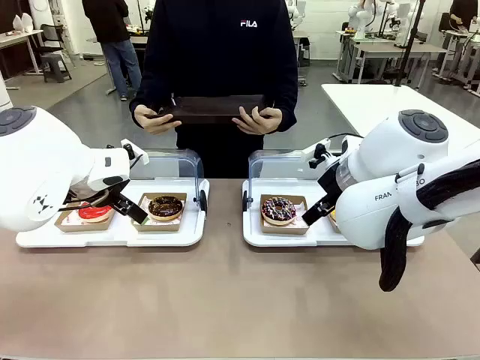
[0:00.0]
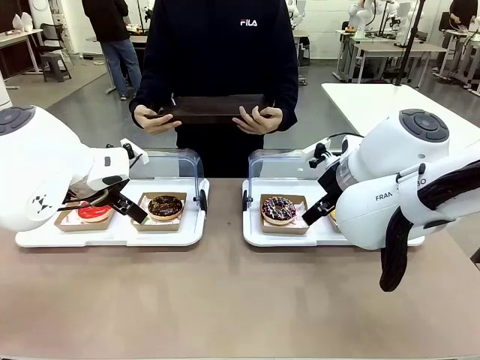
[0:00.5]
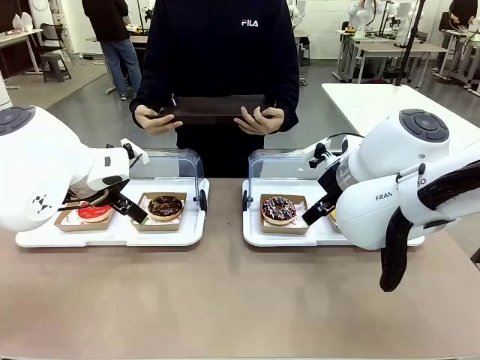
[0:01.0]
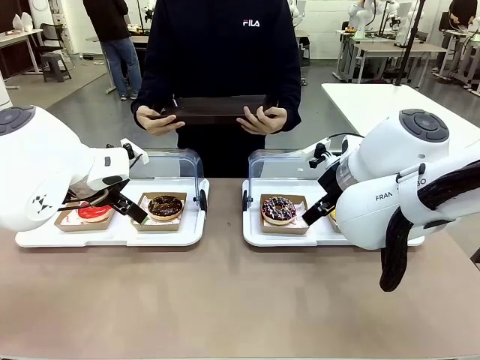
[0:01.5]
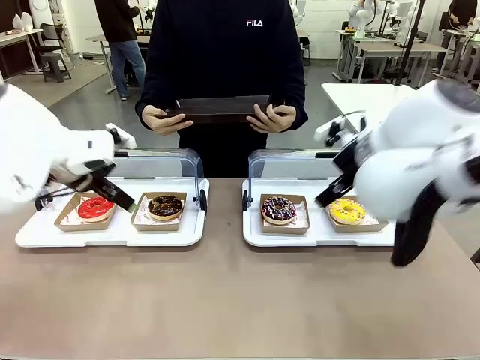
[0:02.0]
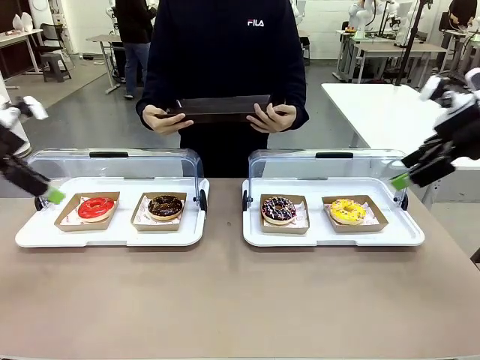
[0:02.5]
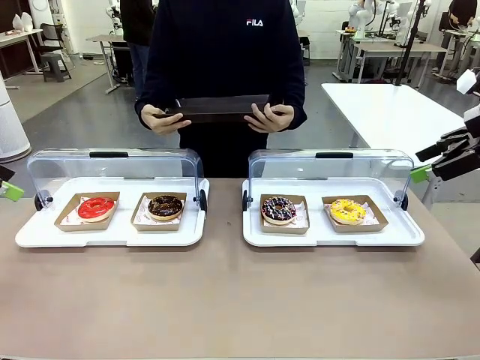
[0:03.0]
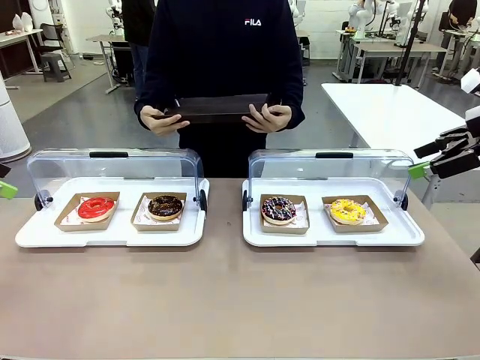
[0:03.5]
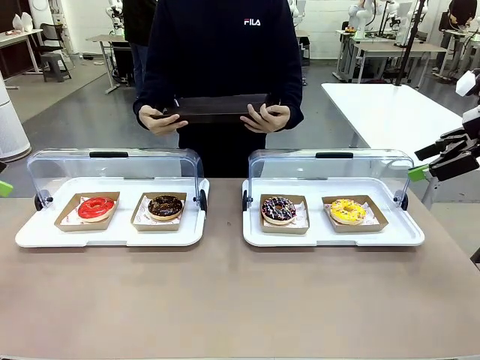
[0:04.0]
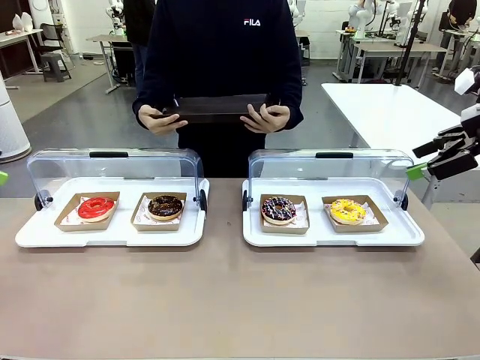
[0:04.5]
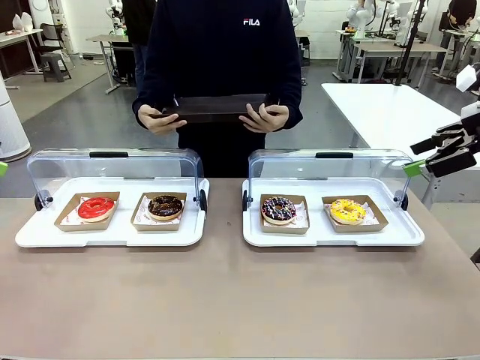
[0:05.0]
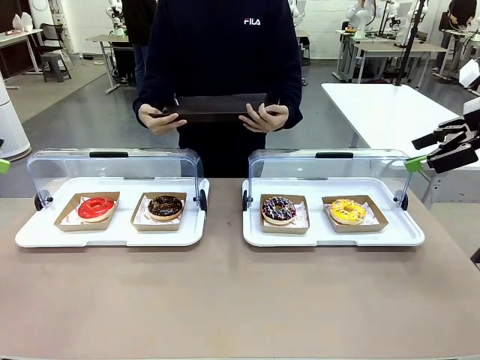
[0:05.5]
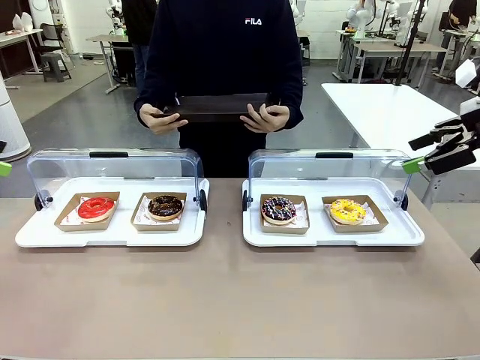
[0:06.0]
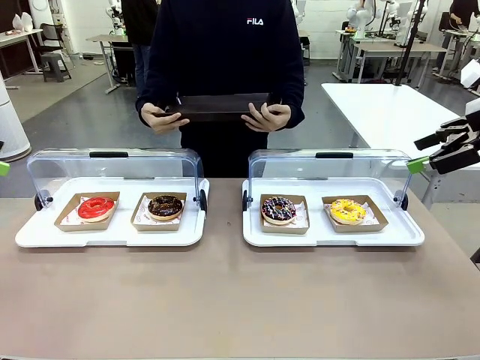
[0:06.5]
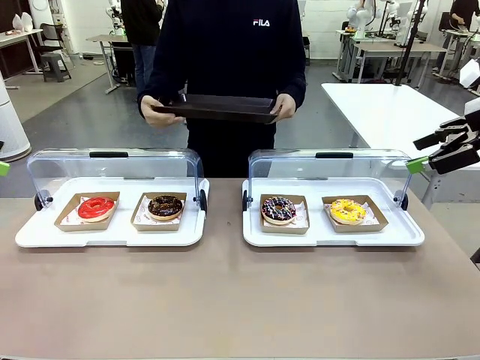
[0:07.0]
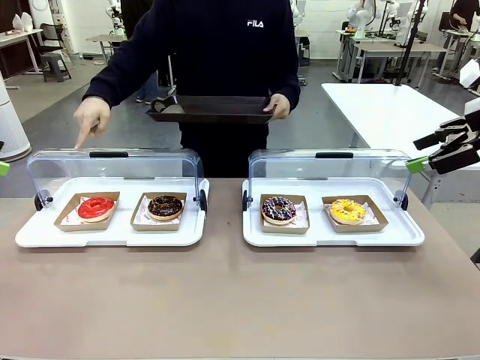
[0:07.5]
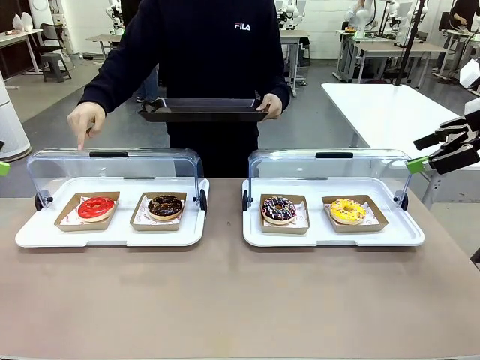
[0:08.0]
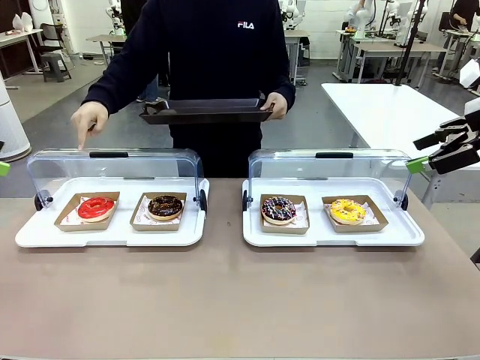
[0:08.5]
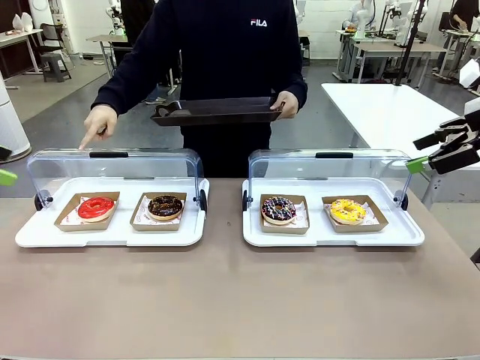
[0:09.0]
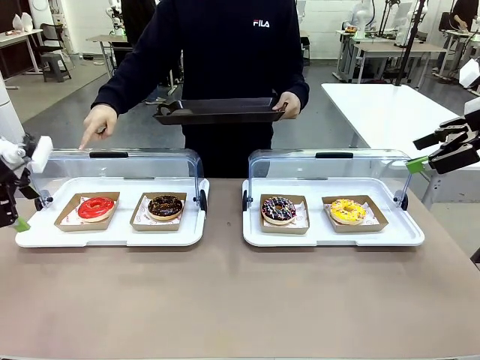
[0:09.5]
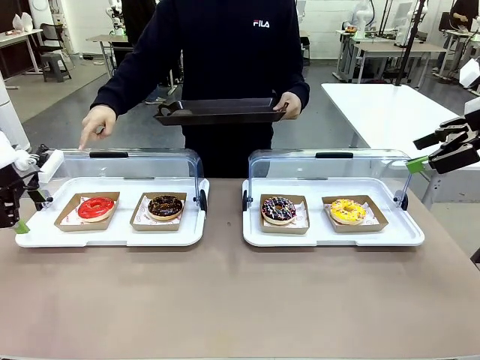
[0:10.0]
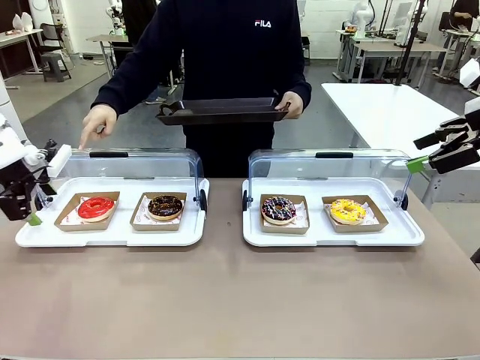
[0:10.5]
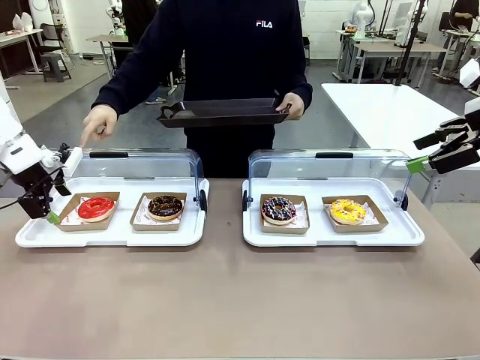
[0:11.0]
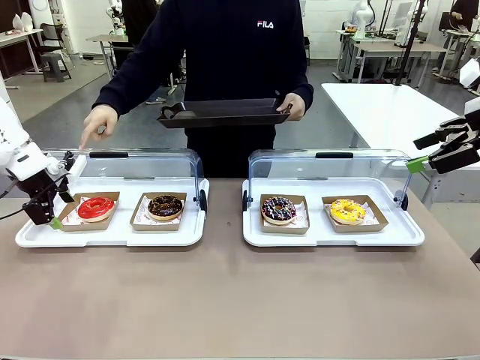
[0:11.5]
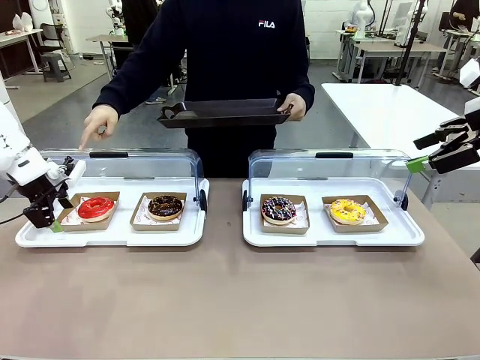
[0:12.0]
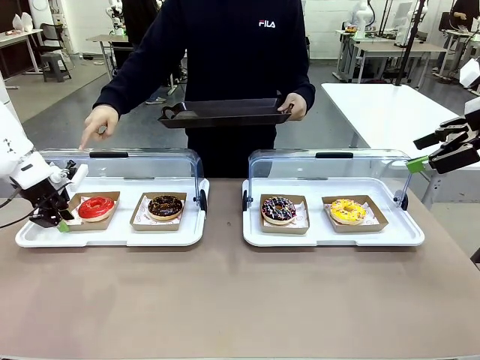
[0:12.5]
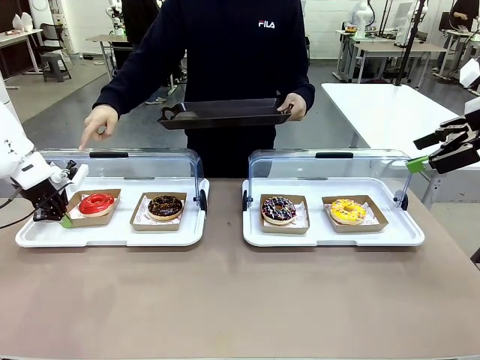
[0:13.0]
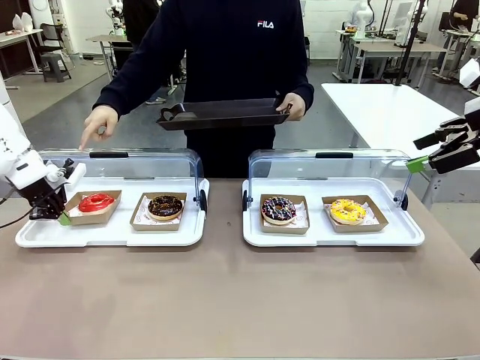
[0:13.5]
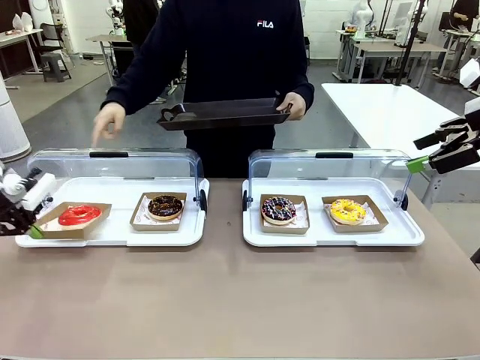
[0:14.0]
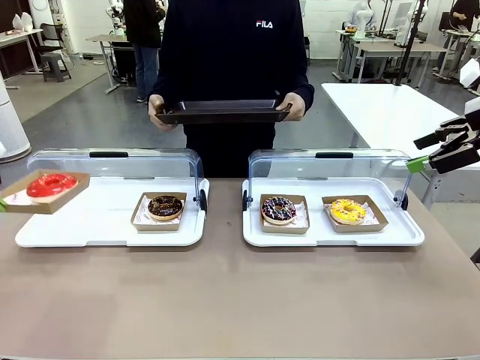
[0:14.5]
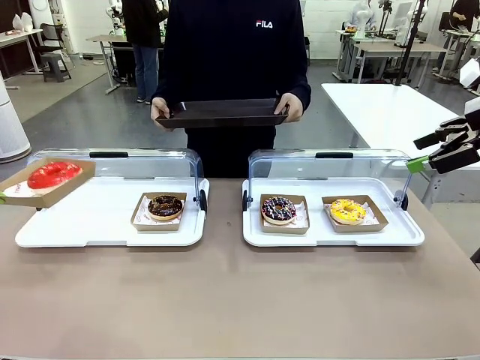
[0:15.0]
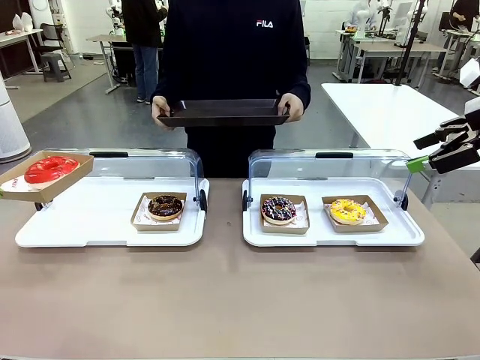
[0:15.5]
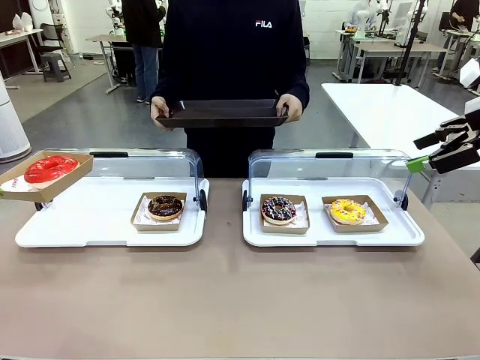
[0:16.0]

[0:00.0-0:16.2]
Task: Provide the desired donut to the person.
Robot: Pick up and lift the Paper togo box containing the Donut pointed at by the person.
Person: Point to one donut. Lift the tray onto the Roll-Top Bakery Case.

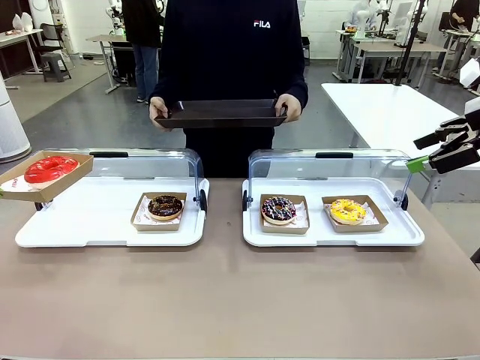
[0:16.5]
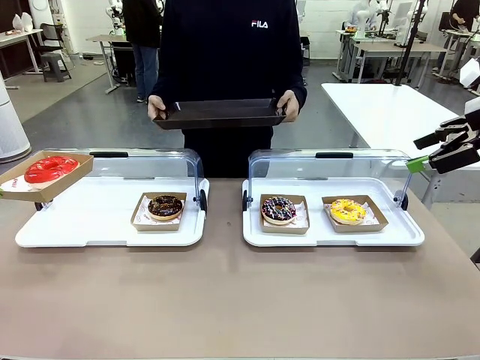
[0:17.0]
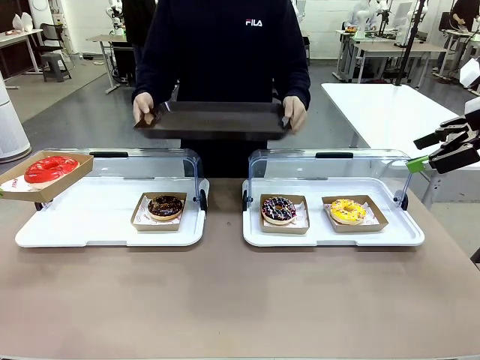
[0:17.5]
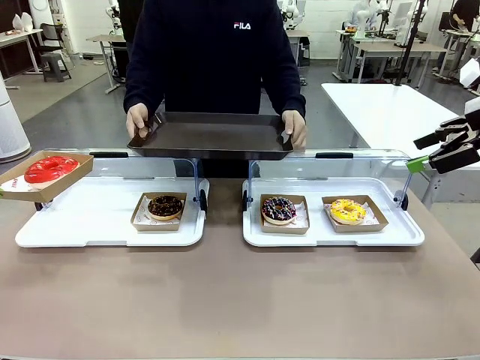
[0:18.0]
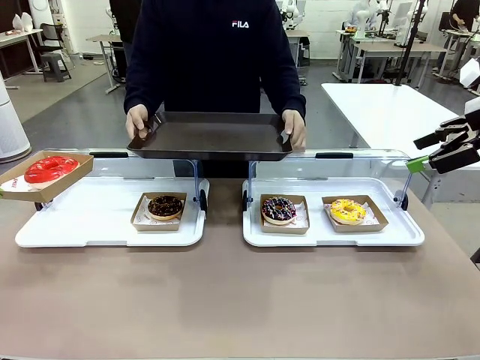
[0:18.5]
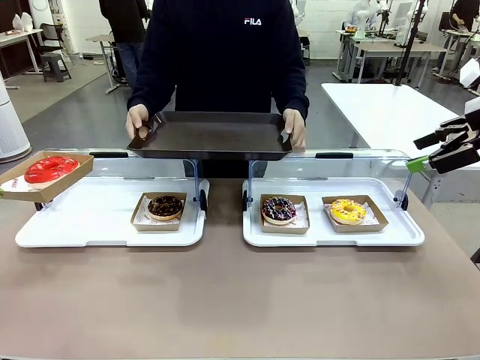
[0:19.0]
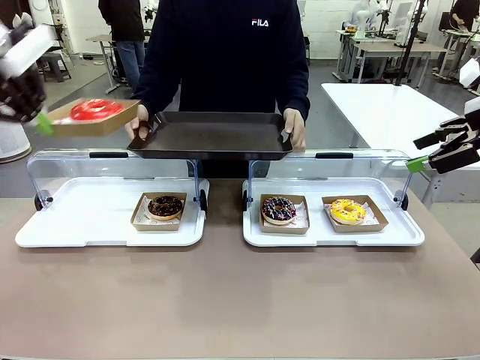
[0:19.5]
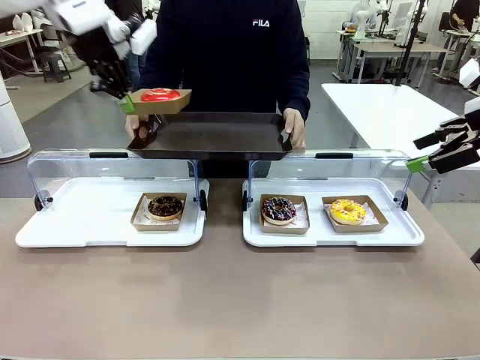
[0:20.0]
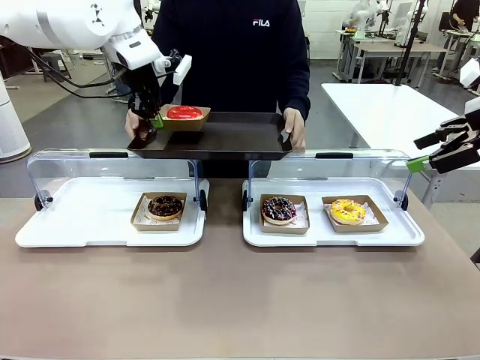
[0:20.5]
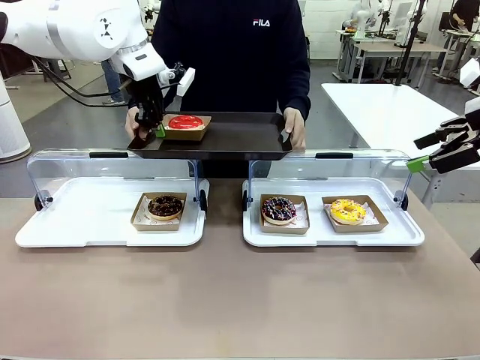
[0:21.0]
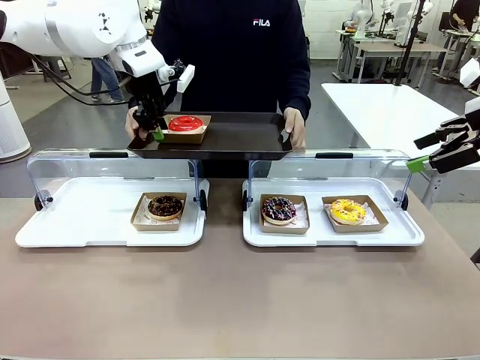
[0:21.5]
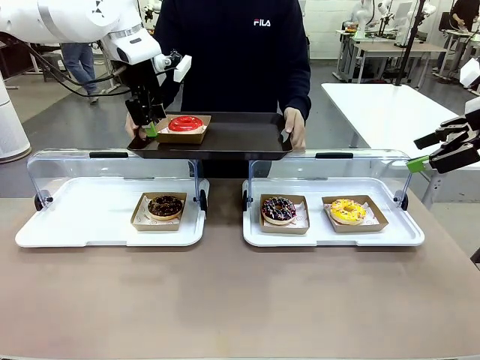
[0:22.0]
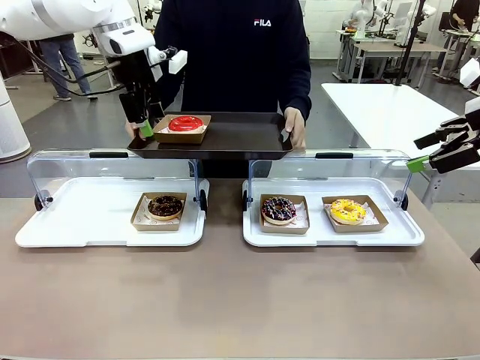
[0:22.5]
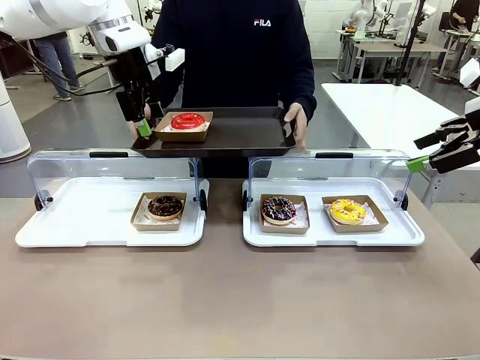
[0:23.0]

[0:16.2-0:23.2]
Robot: Place the picked Paper togo box onto the Handle tray extended by the person.

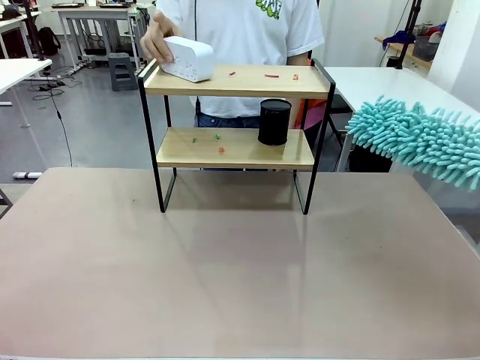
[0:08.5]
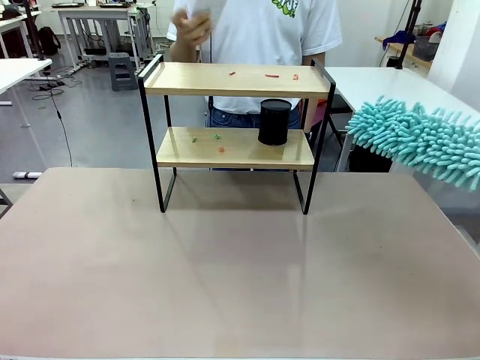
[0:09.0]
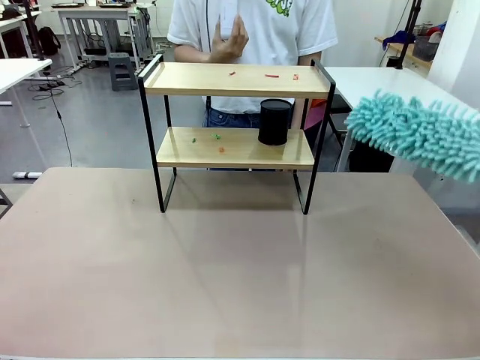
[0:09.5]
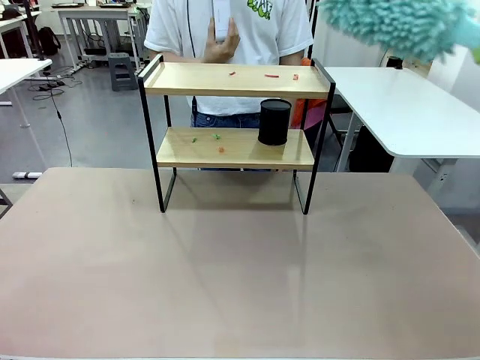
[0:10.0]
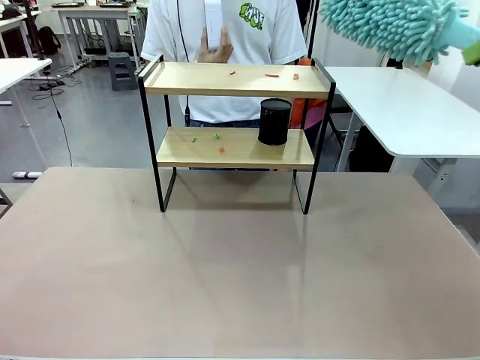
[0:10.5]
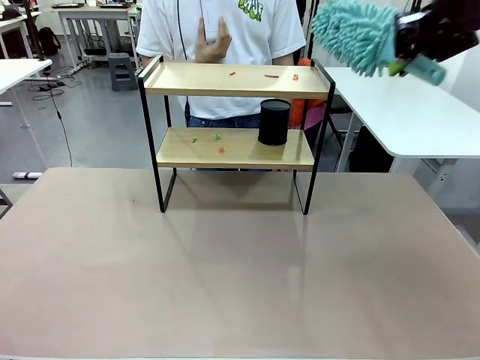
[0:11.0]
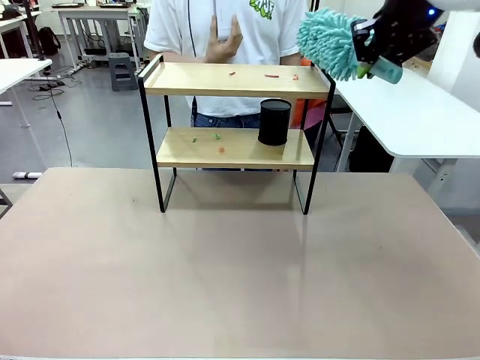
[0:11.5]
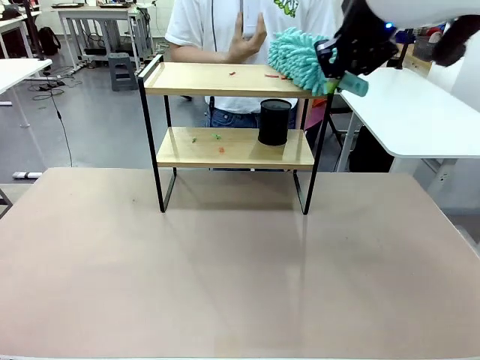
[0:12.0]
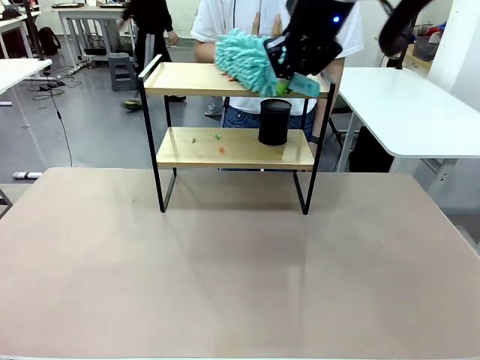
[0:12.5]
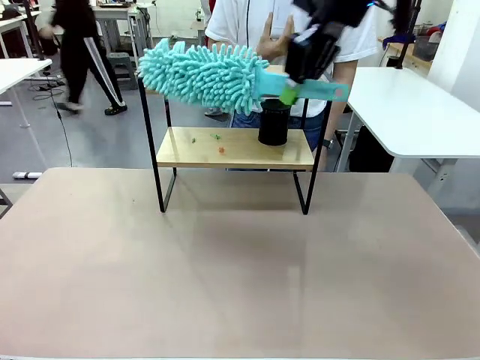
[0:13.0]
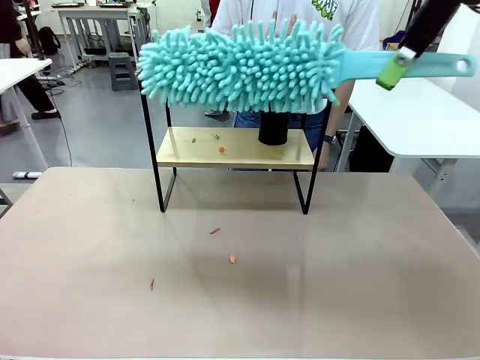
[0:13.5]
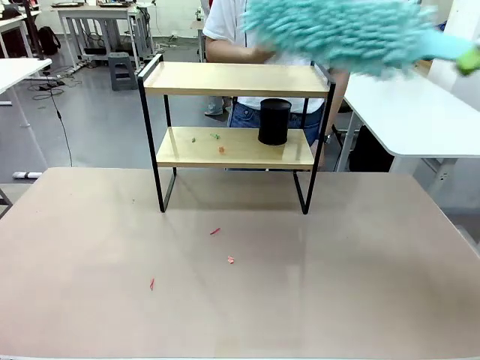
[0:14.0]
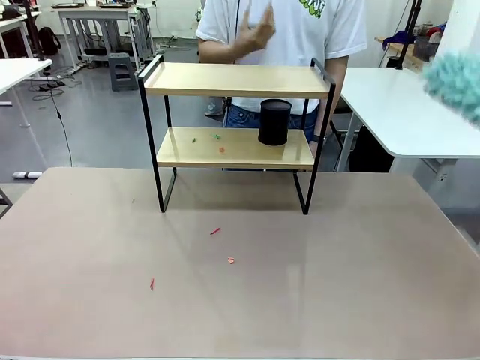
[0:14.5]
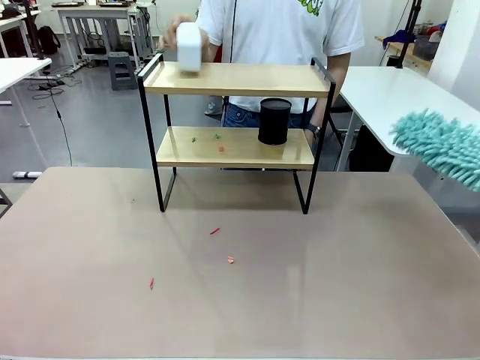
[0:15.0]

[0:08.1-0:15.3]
Task: Clean the shelf.
Robot: Clean the specific tier of the Shelf with the Duster once objects are removed.
Person: Lift the objects on a randomly selected tier of the Shelf. Once the robot finishes cleaning, lift the objects on the remaining tiers of the Shelf.
